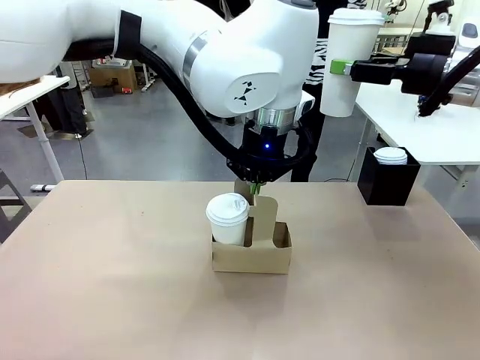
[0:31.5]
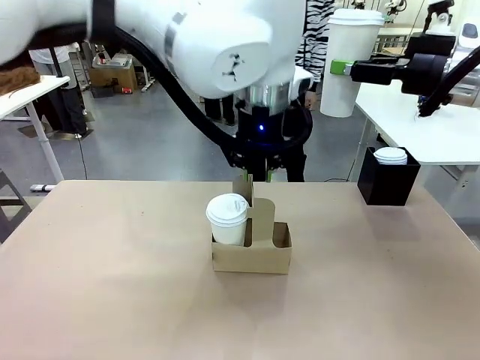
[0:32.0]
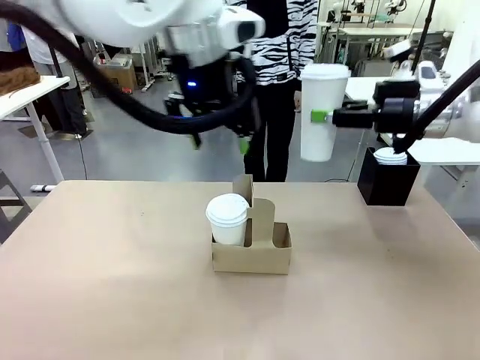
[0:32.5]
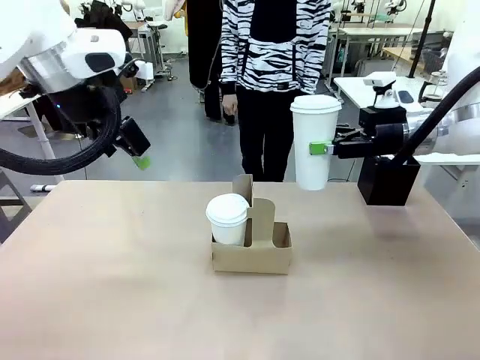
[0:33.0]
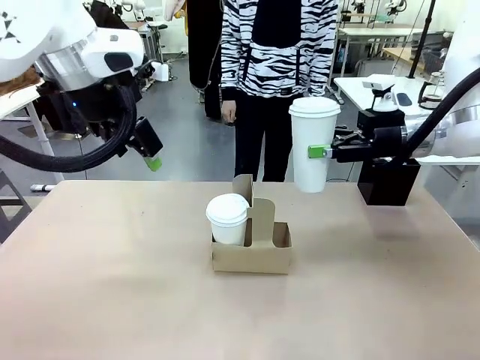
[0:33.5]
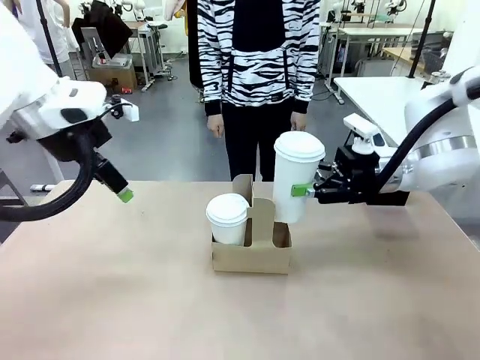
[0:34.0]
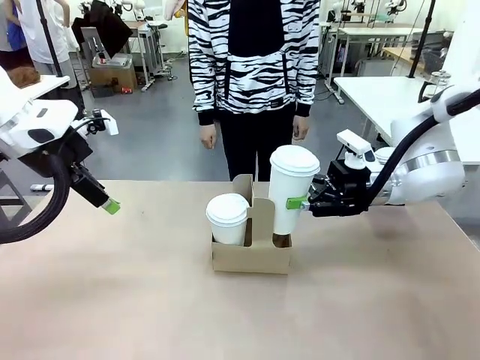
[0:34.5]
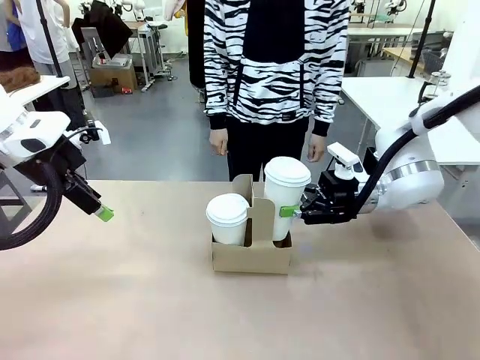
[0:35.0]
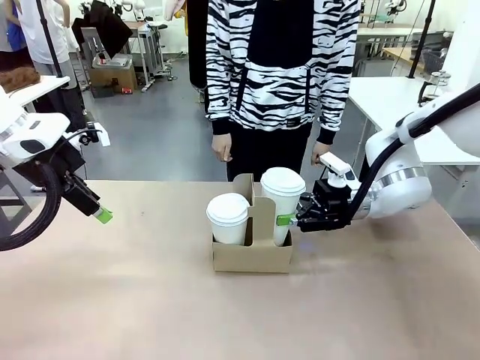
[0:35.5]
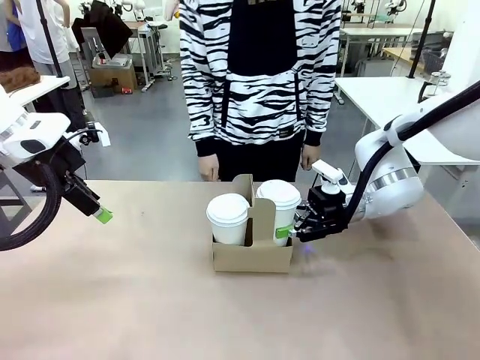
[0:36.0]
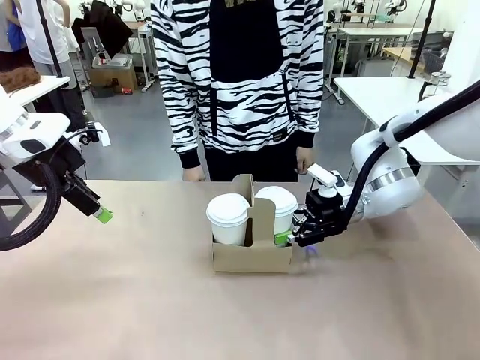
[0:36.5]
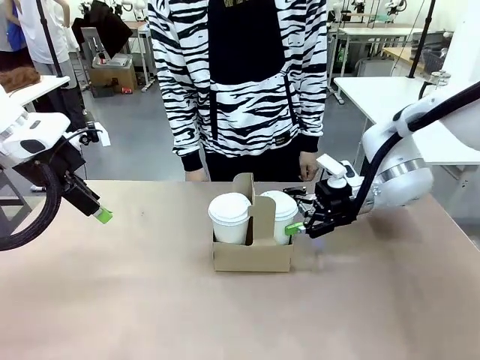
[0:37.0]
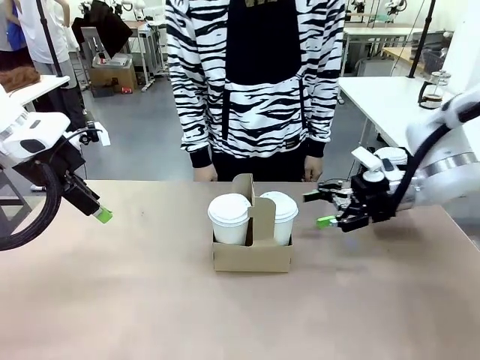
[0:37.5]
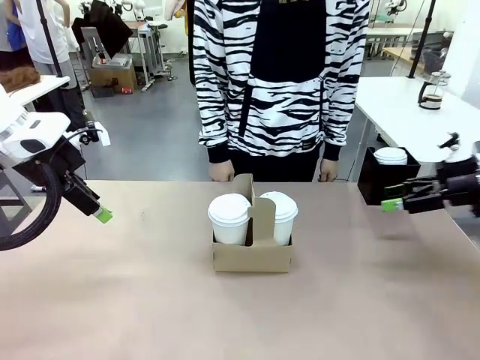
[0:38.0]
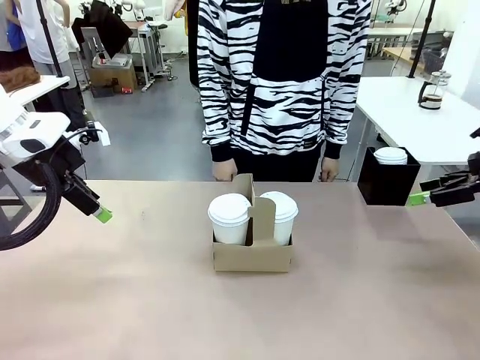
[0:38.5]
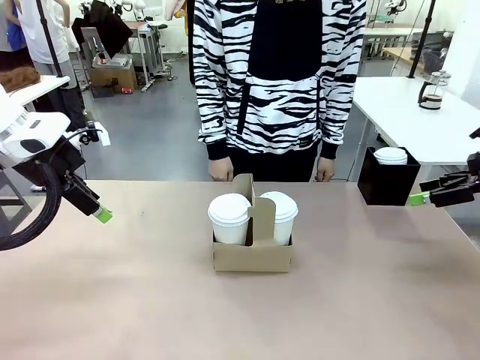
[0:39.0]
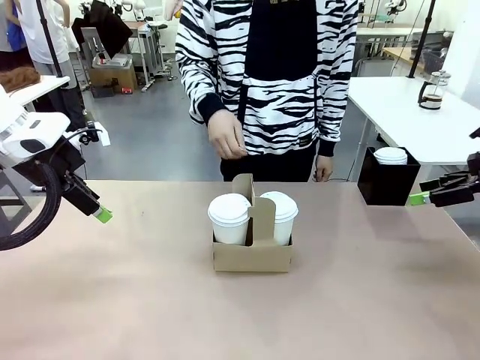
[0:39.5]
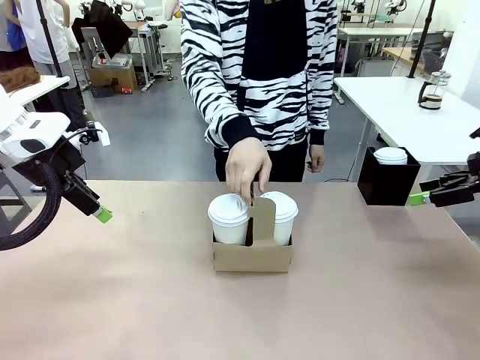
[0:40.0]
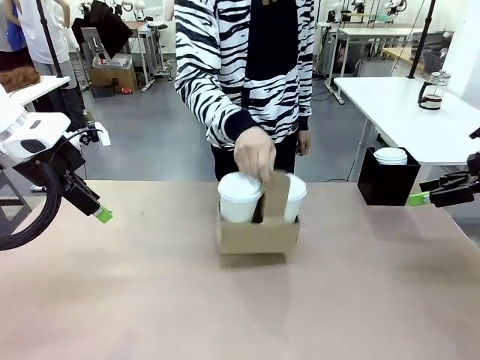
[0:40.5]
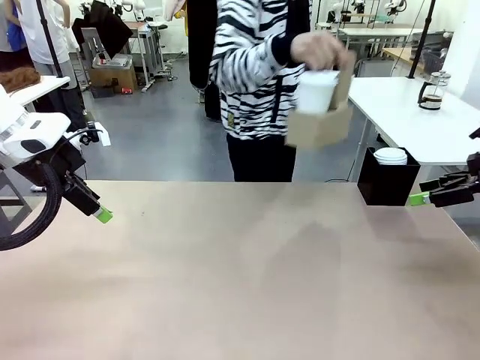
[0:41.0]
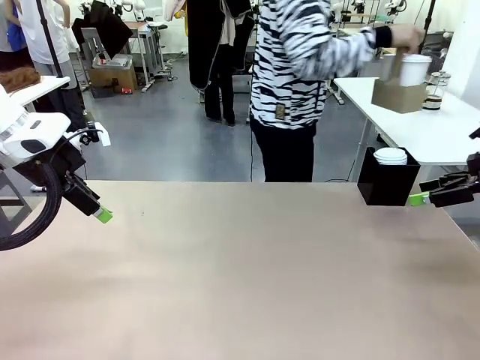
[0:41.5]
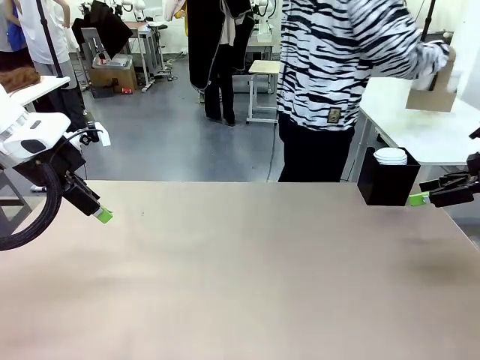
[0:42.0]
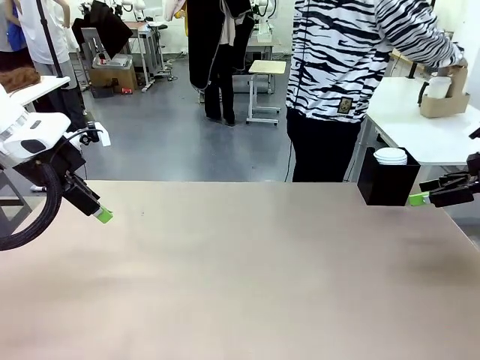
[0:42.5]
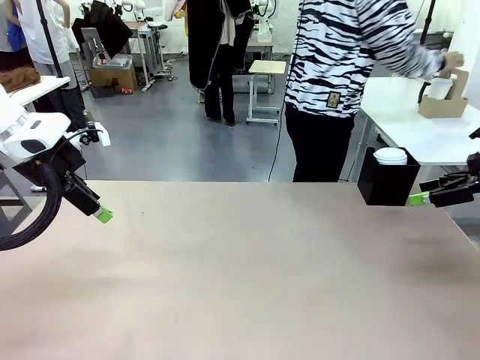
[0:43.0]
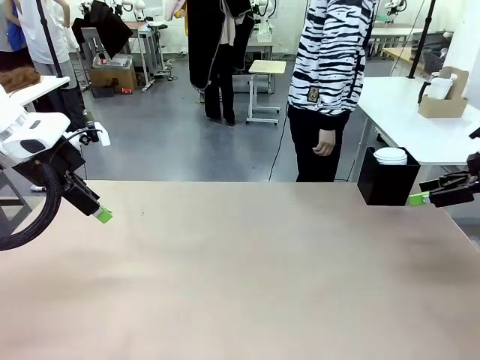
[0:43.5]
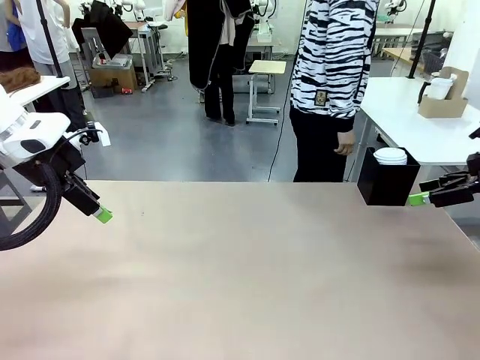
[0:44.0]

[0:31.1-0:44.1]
Task: Pour a drink into a cup and package it in a carrier.
Robot: Insert the held 600 ml Paper Cup into the Cup Carrier.
Person: Place the Cup Carrier to the middle of Human table.

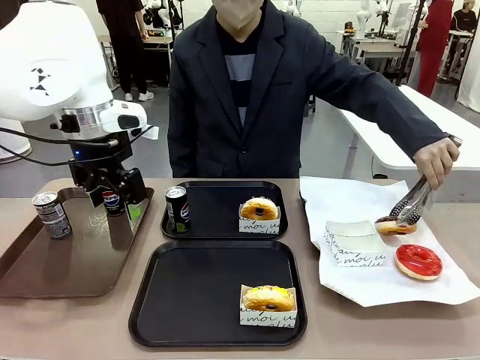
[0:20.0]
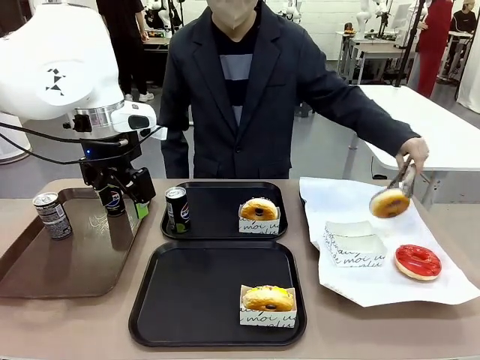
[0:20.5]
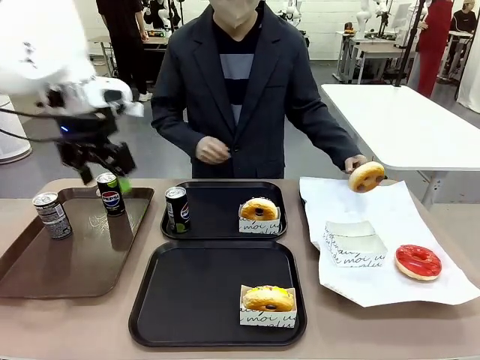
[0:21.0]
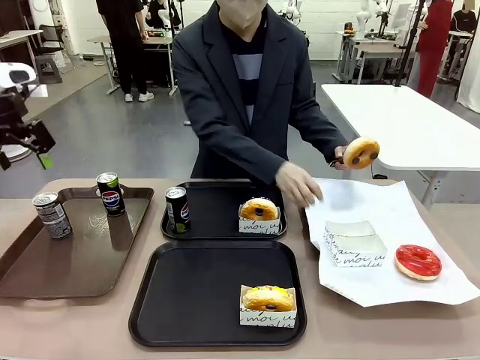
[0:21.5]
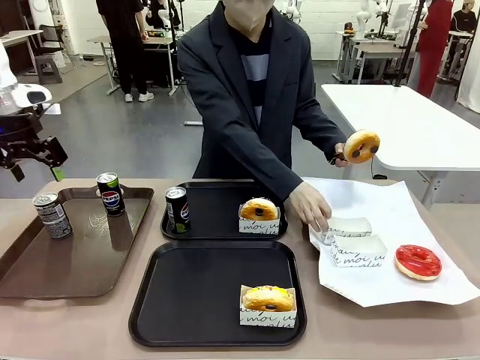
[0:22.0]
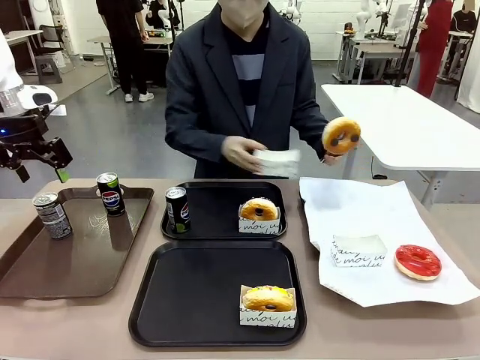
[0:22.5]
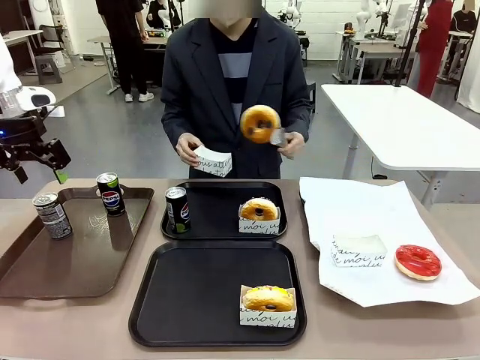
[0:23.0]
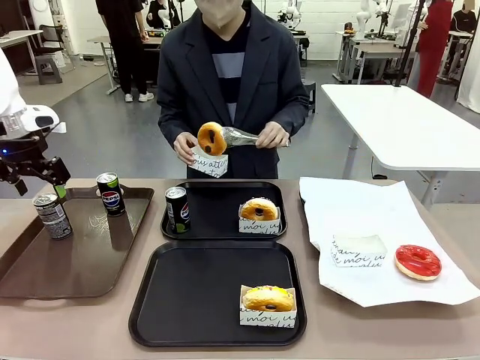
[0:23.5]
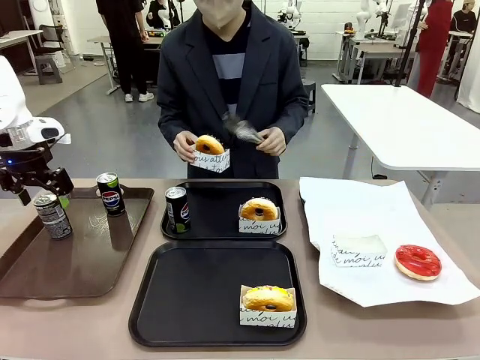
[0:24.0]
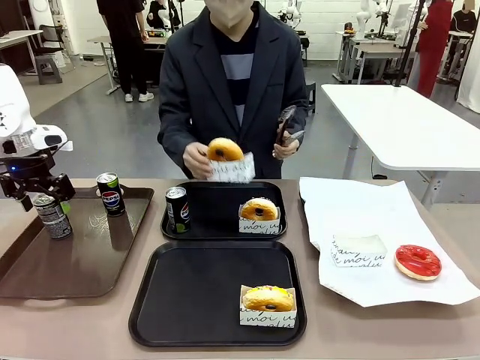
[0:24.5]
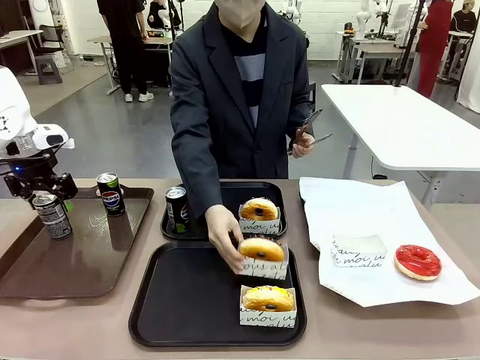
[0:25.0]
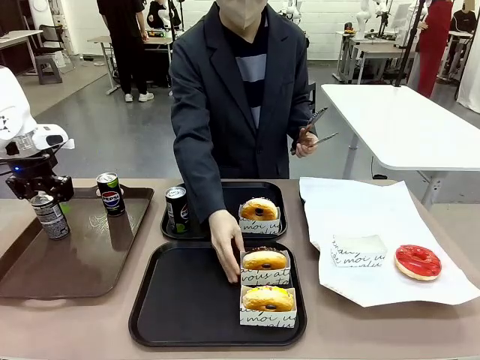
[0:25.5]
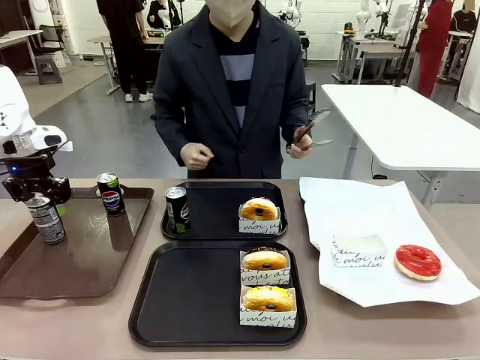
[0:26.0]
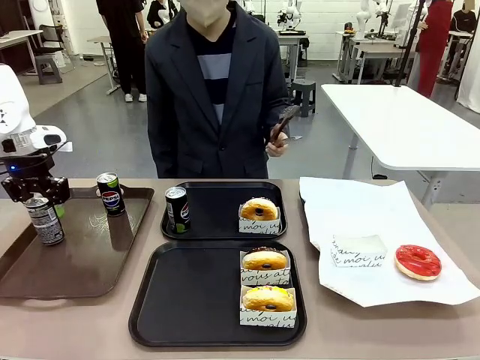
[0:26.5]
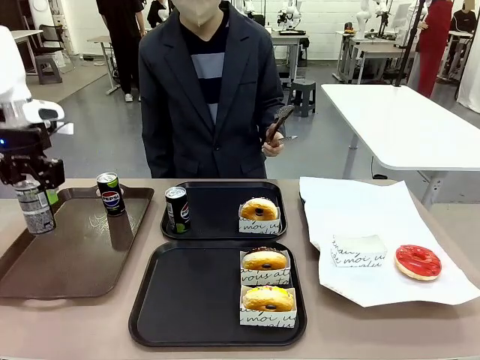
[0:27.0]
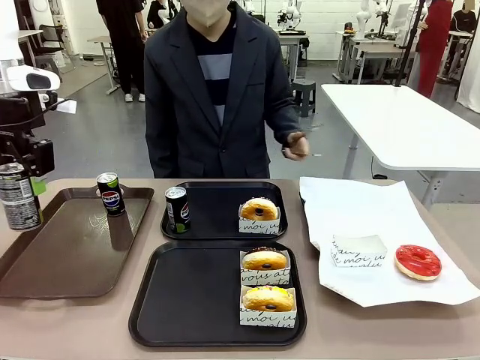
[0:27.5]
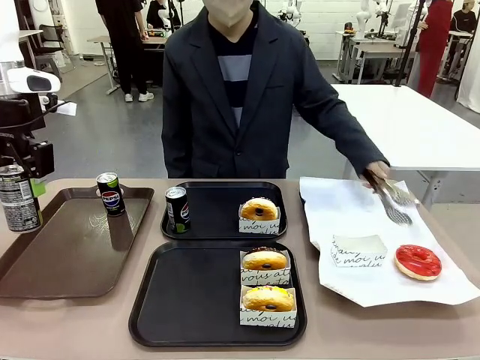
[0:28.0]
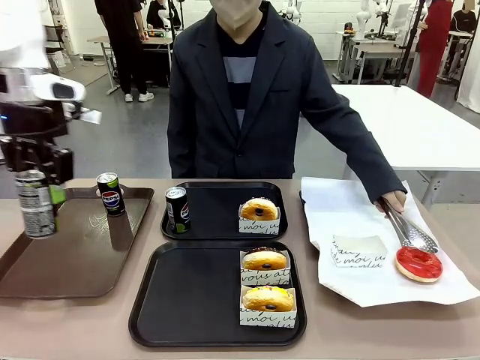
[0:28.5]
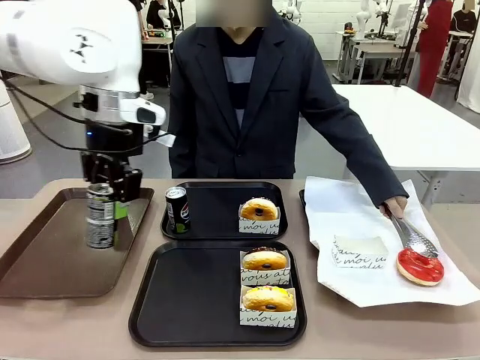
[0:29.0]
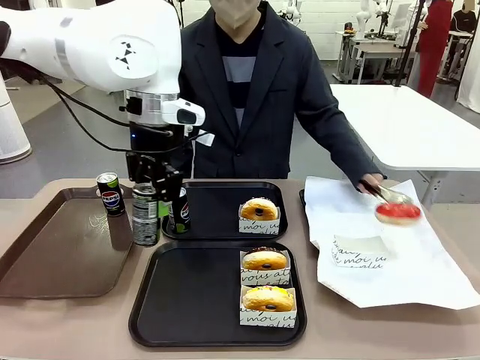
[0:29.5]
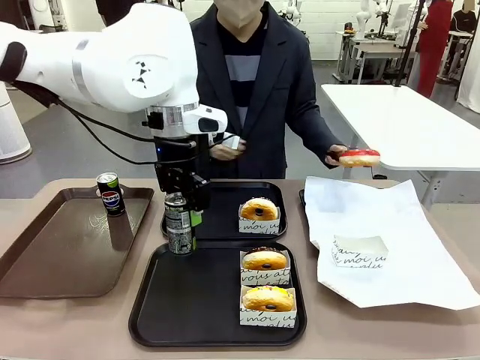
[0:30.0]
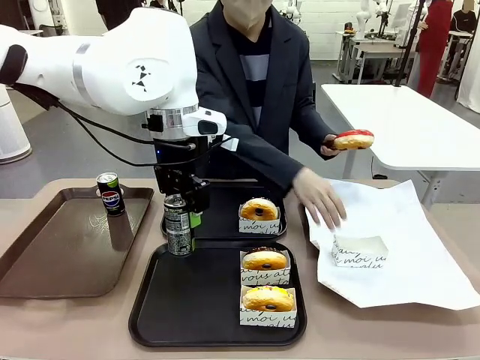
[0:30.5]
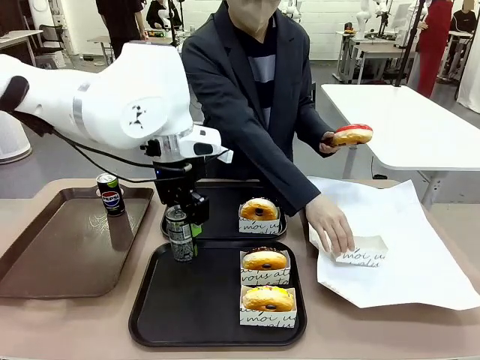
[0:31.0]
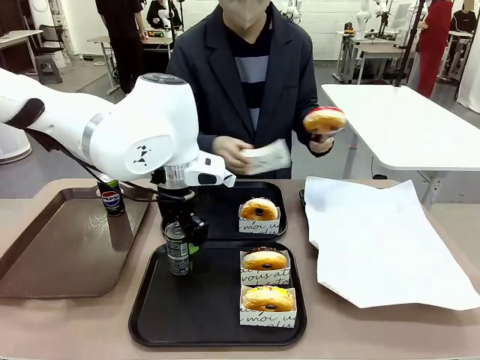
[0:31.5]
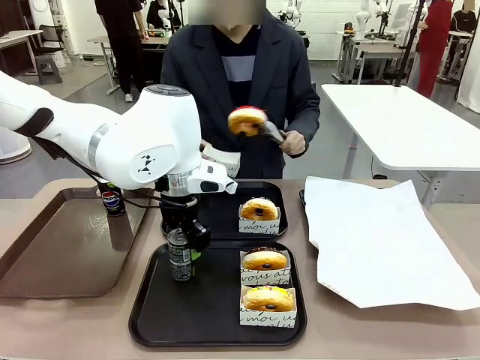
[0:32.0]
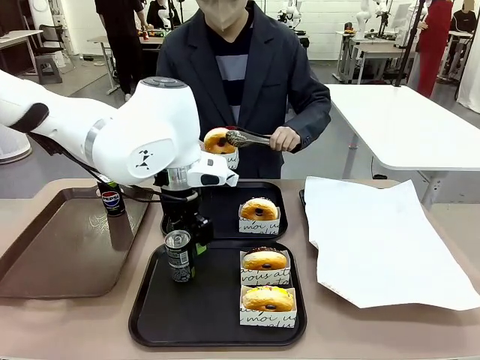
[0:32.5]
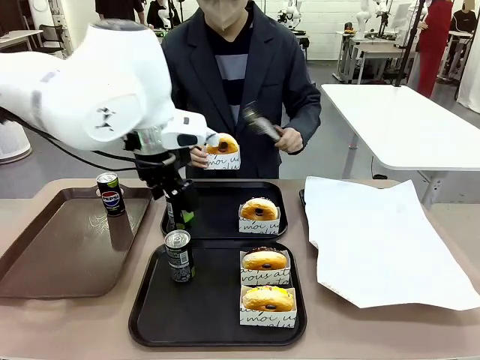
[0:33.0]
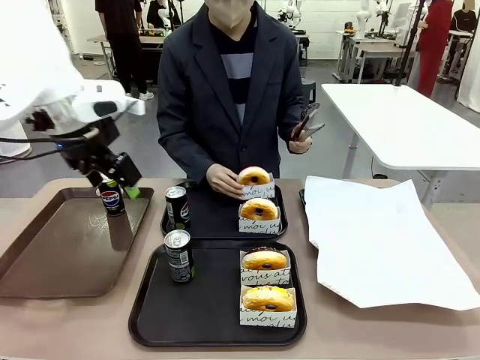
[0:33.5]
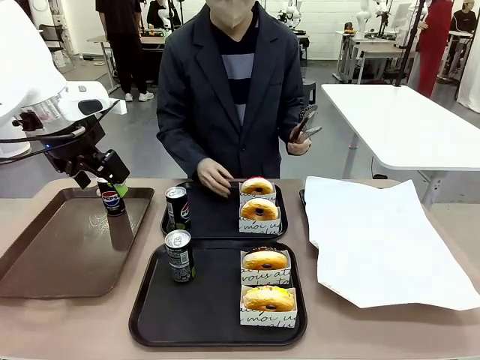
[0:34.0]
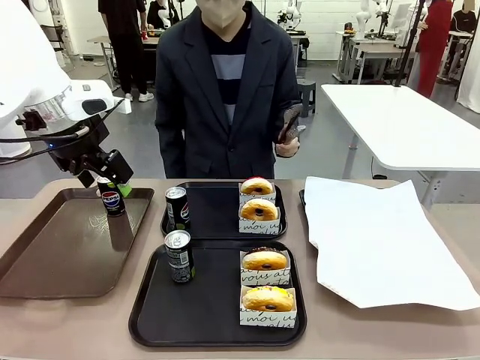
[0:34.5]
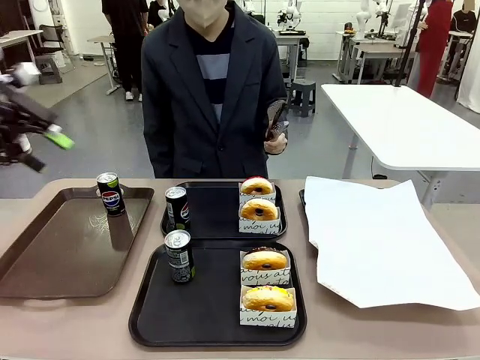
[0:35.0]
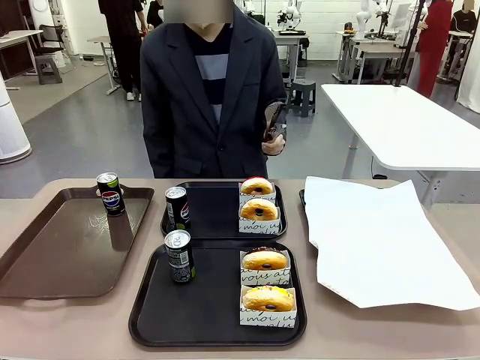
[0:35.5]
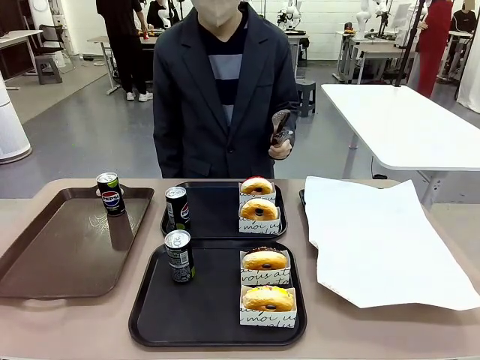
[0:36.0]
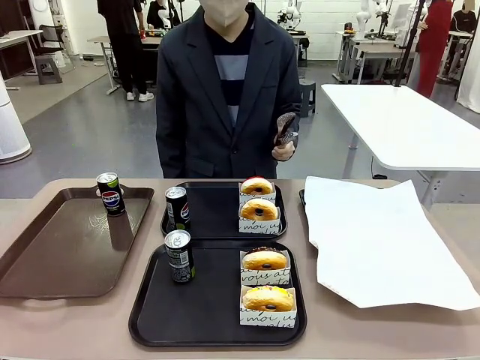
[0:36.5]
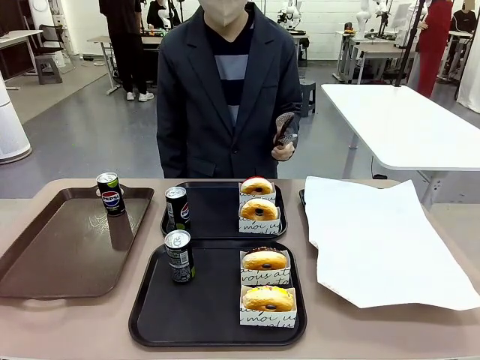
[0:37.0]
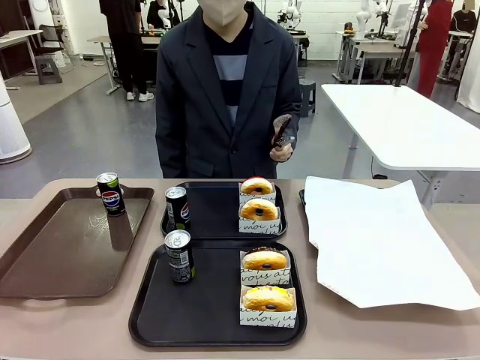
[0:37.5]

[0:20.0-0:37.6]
Task: Set up donuts and drinks on trays.
Robot: Pick up one Pepsi coke from the Handle tray and place it on the Flat Tray without a Pepsi coke.
